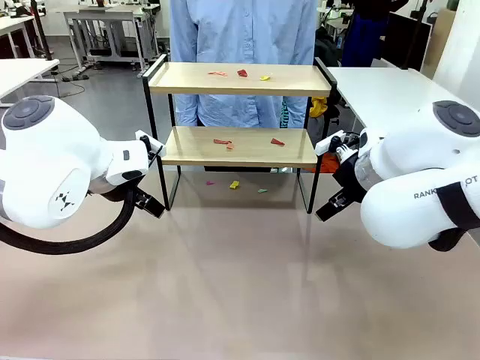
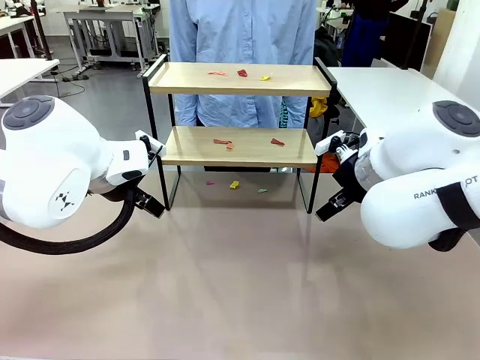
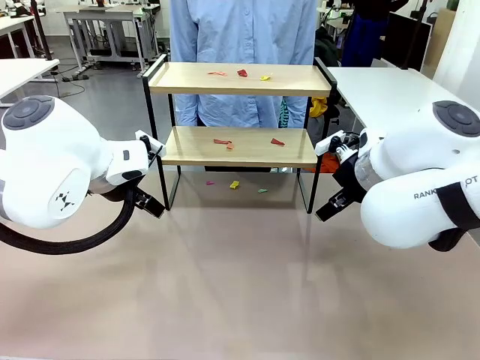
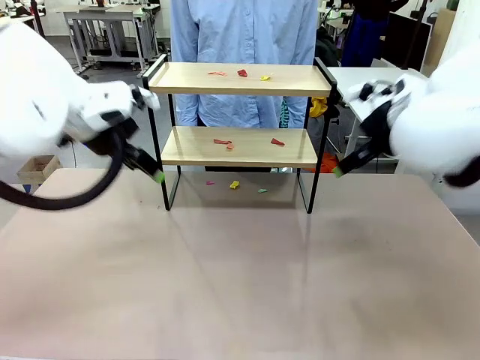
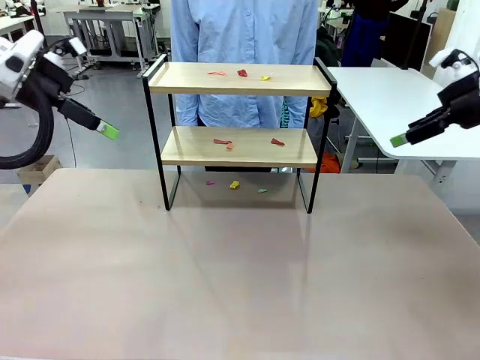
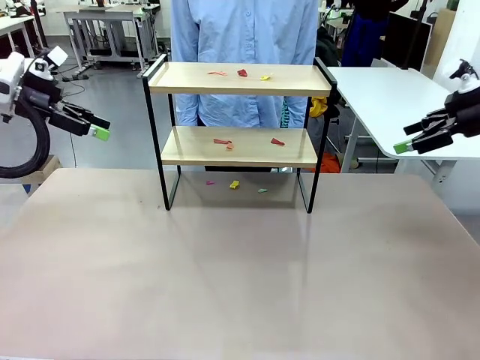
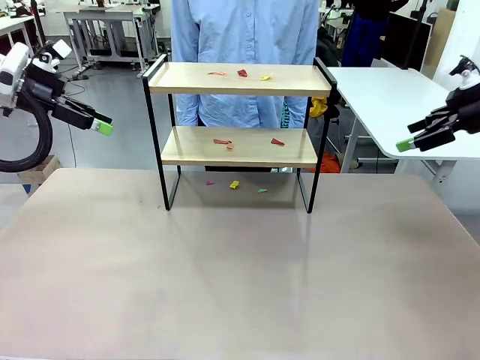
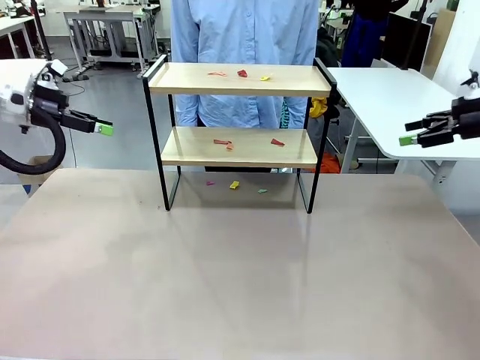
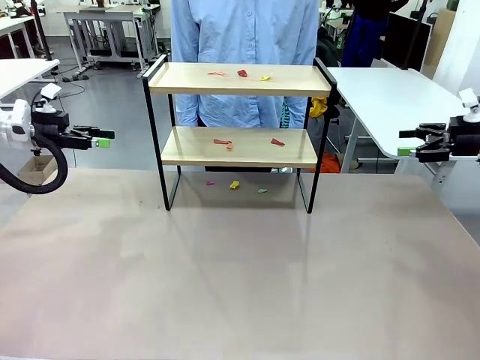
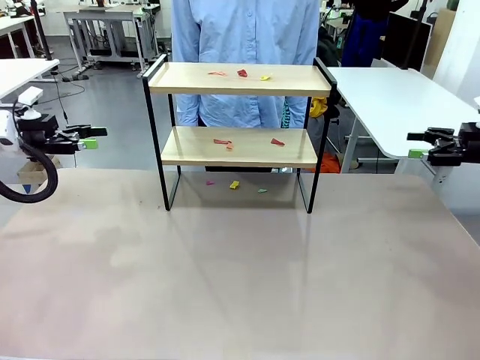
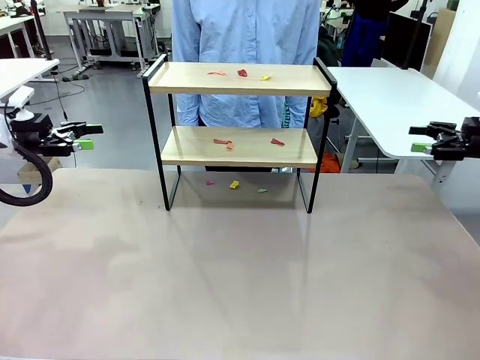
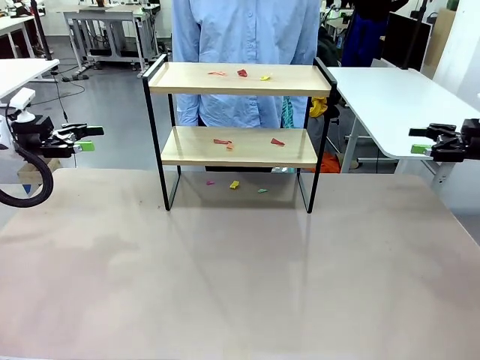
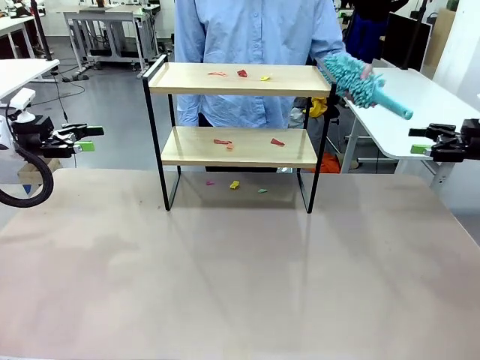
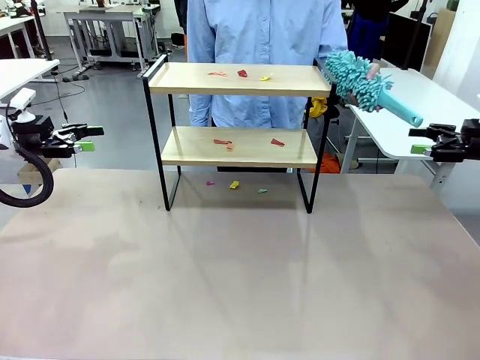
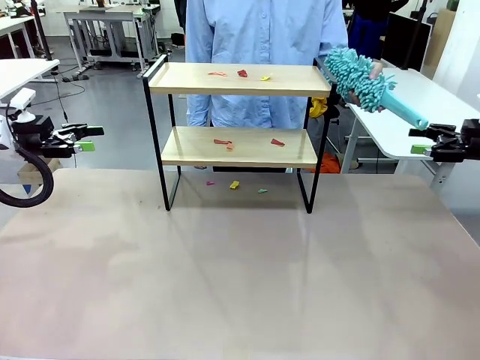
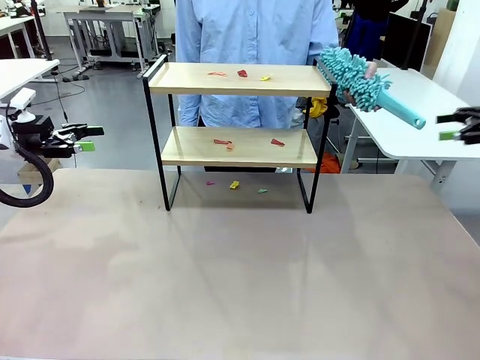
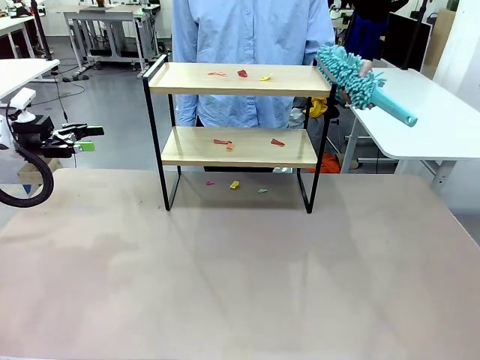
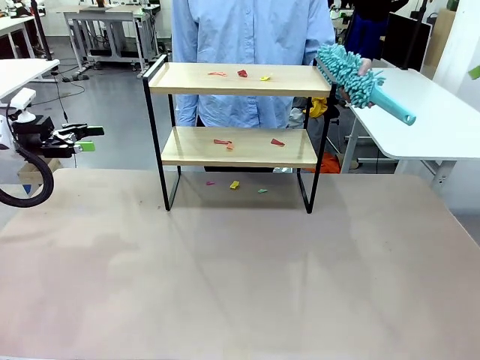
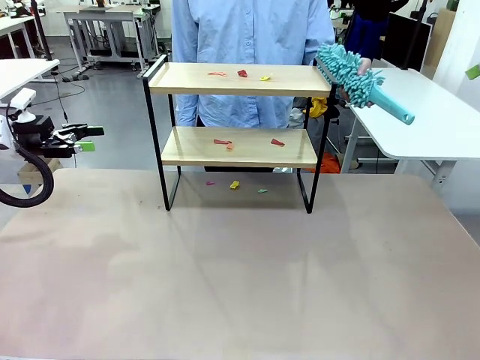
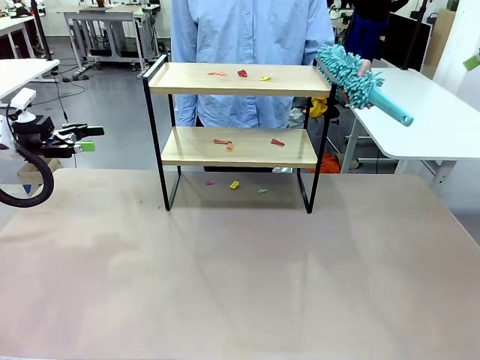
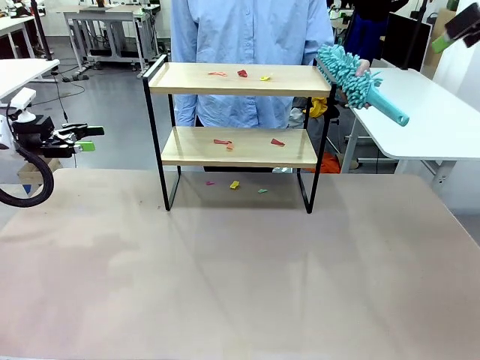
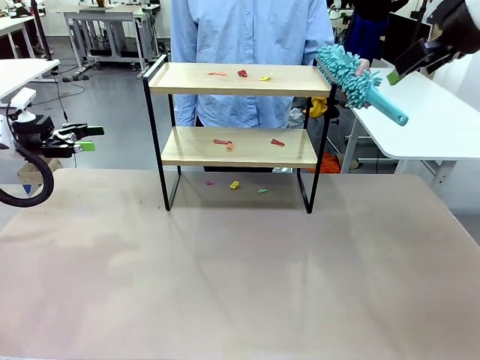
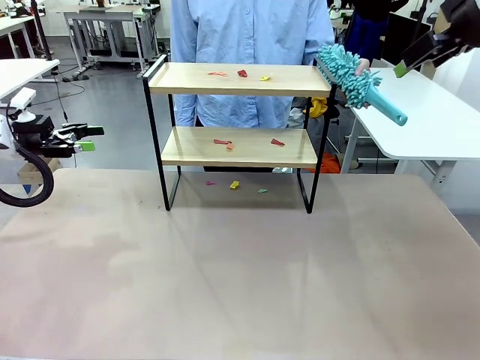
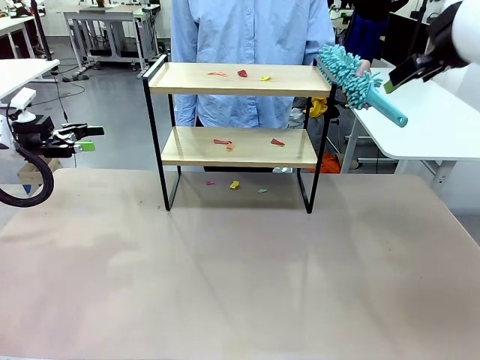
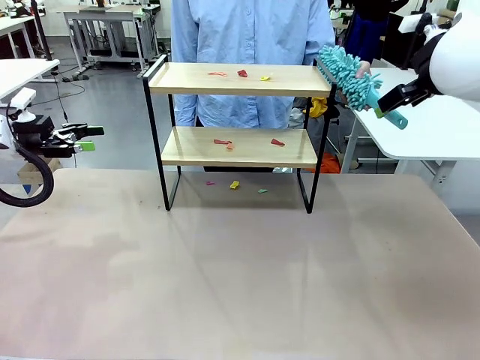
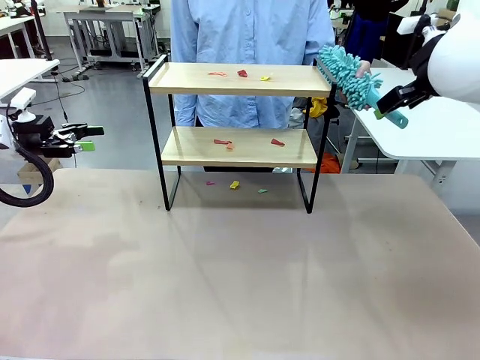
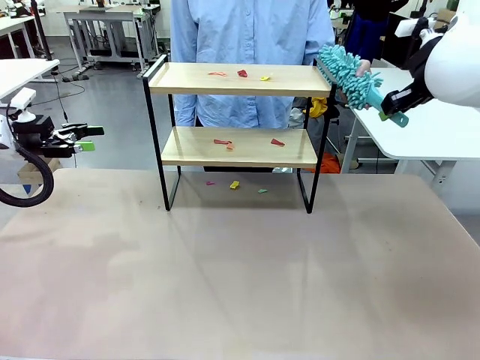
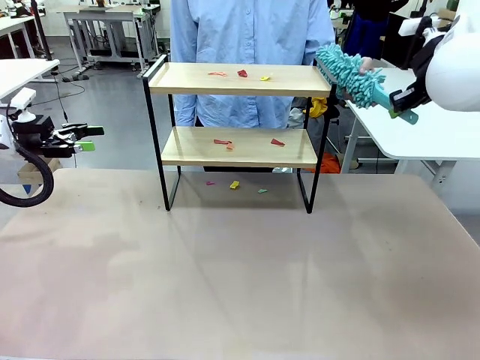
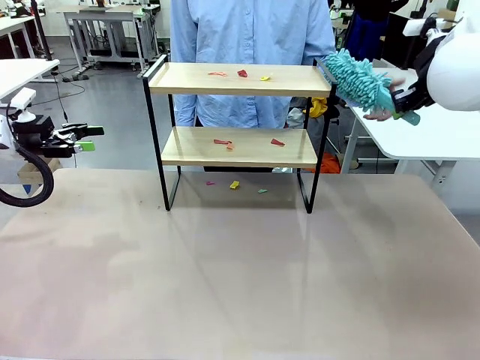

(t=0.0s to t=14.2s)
Task: Clean the shelf.
Robot: Pick up the Duster handed by the human.
Person: Hand the Duster to the robot.

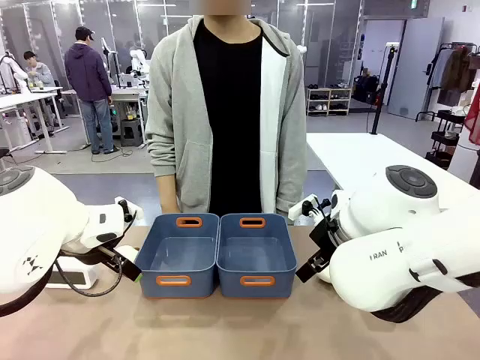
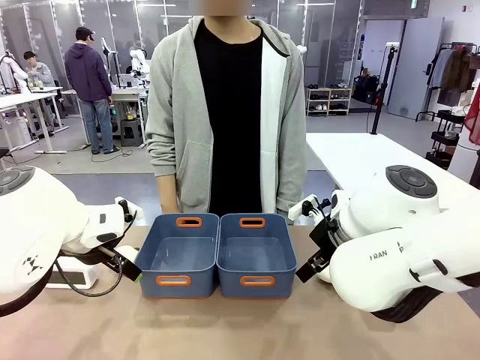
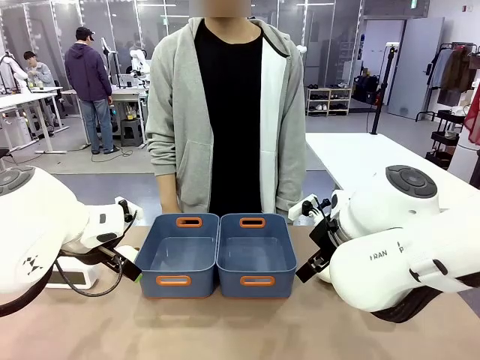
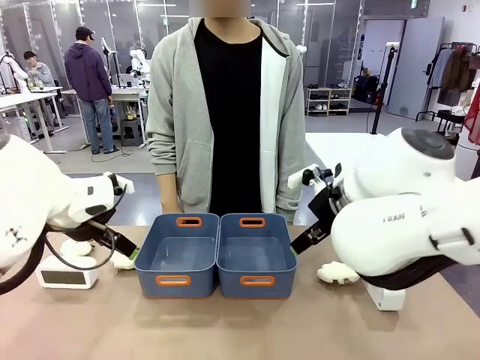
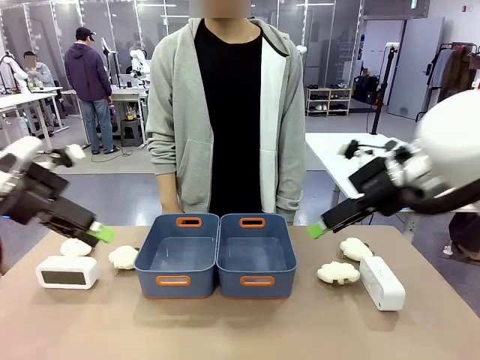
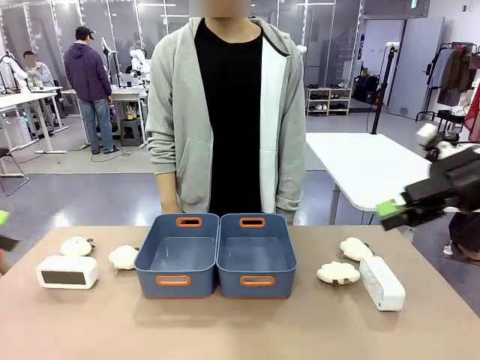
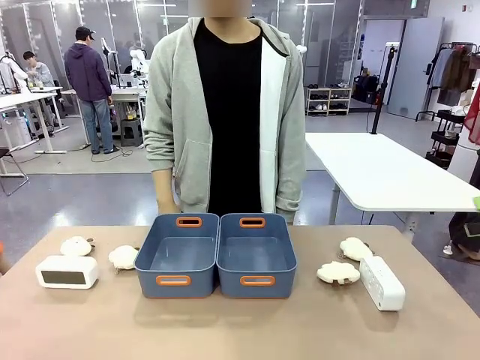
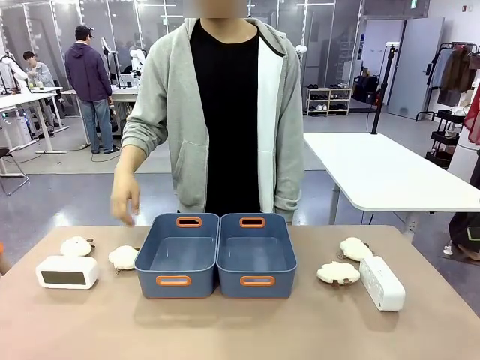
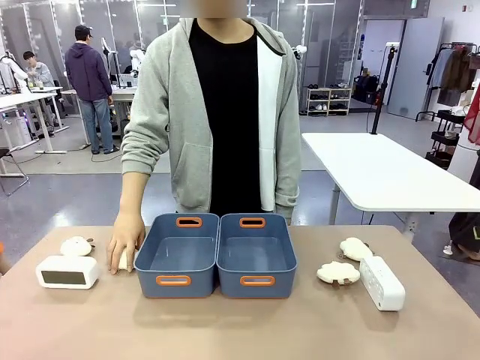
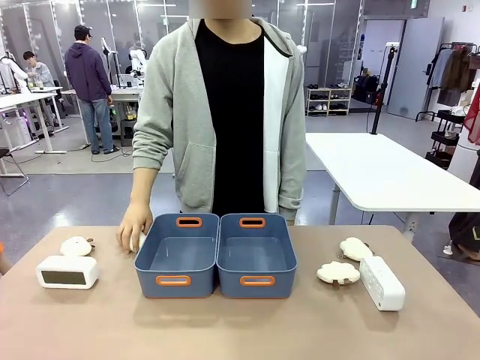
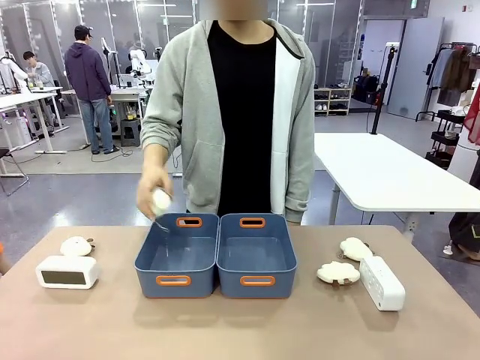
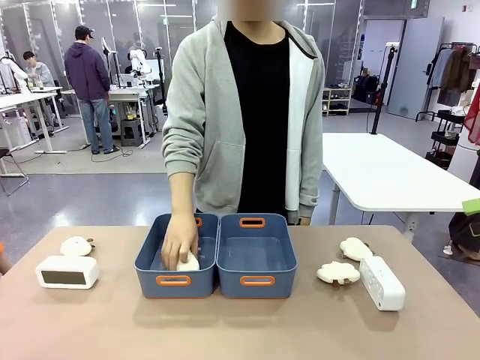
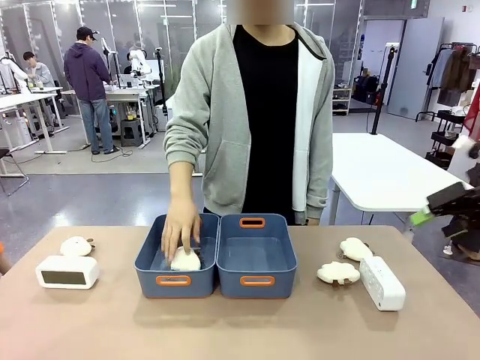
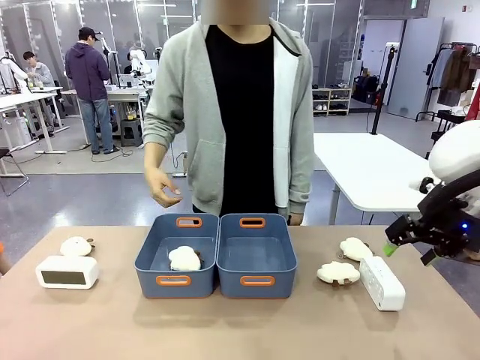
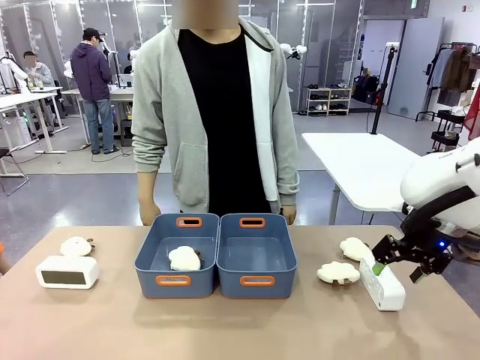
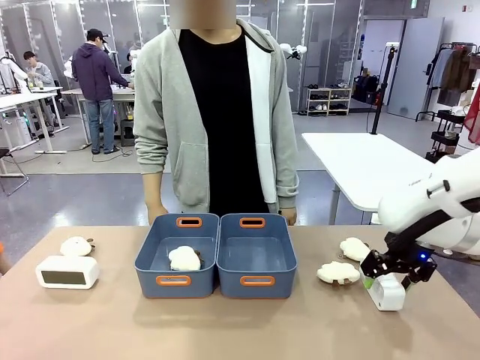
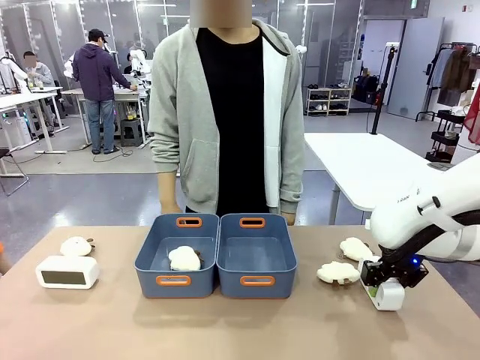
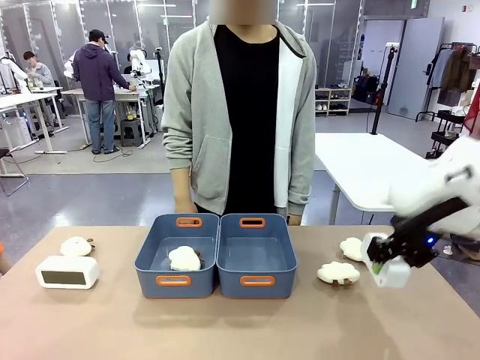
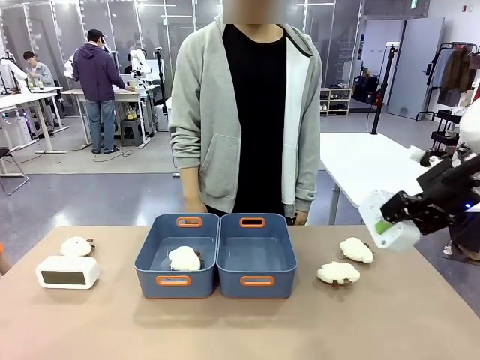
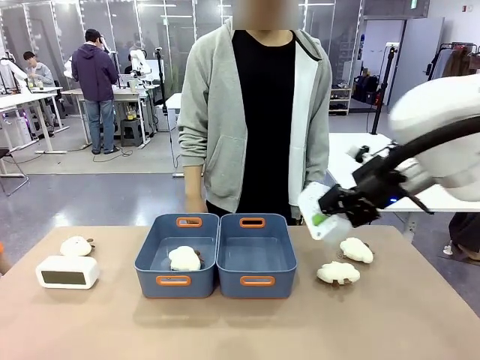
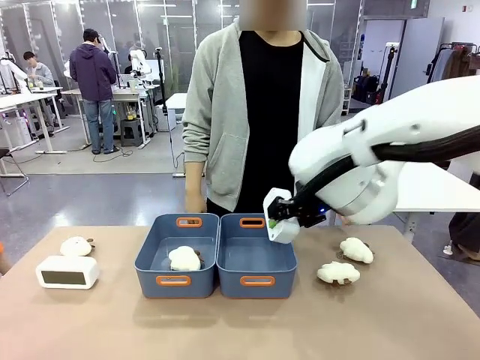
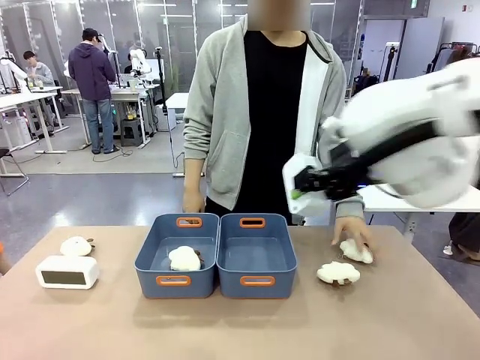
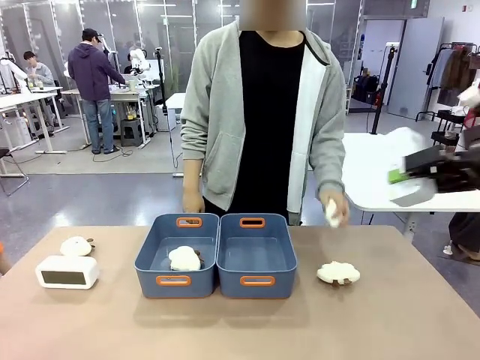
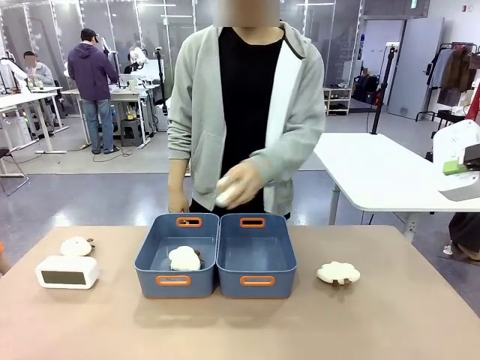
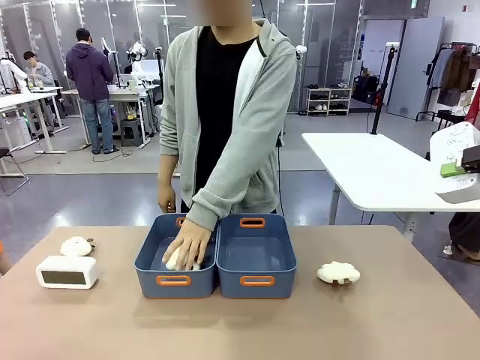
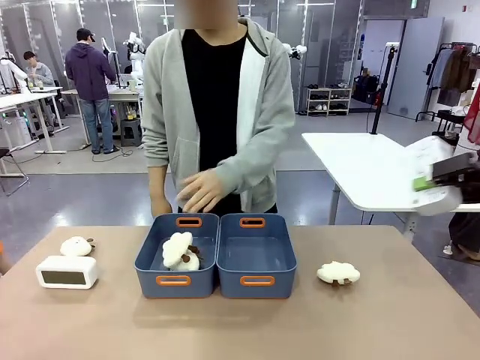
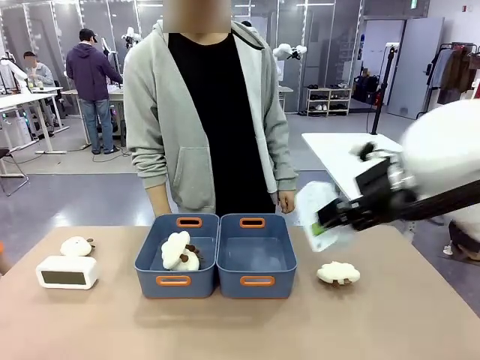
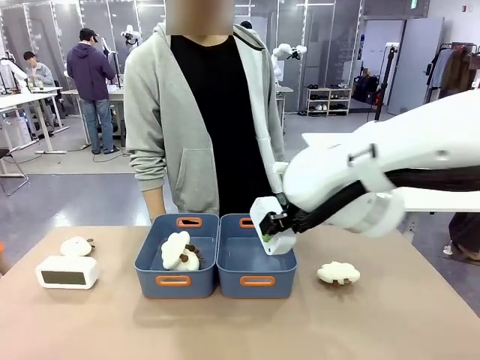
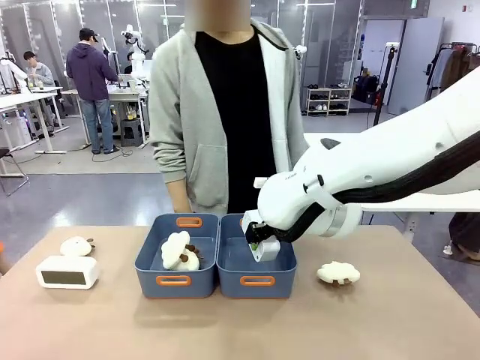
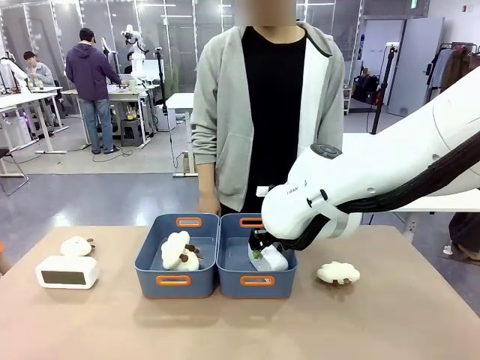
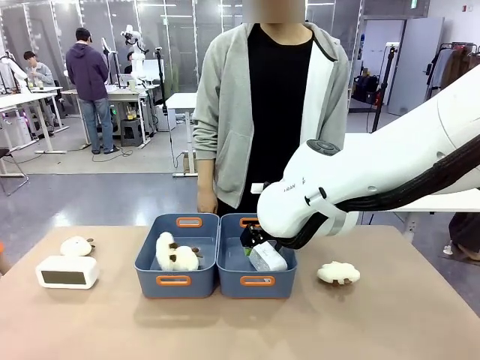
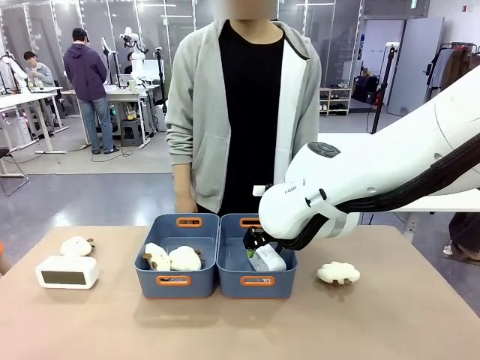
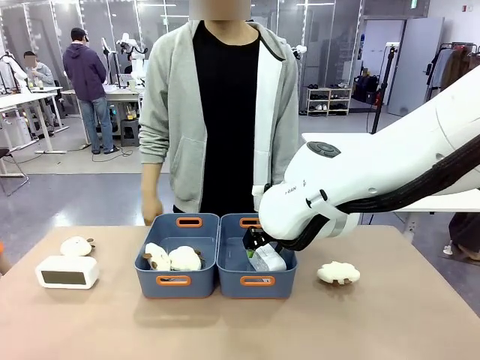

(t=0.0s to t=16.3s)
Task: Sort the digital clocks into the basket.
Robot: Pick up the Digital clock from the table and place it into the empty Plastic storage basket.
Person: Pick up a plush toy from the table and place it in a plastic storage basket.
